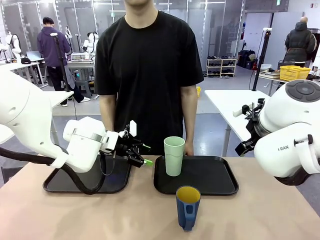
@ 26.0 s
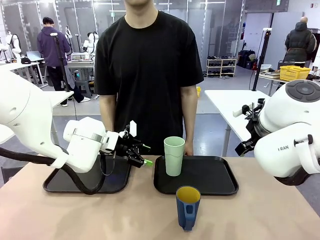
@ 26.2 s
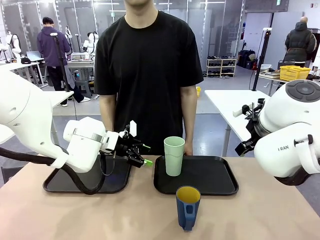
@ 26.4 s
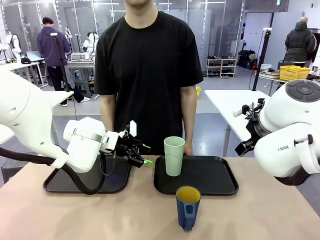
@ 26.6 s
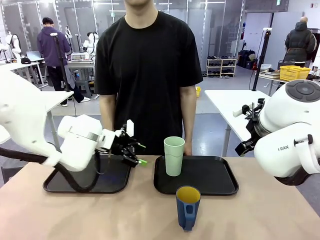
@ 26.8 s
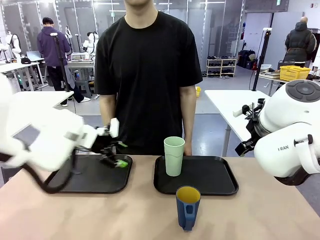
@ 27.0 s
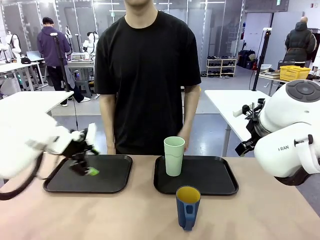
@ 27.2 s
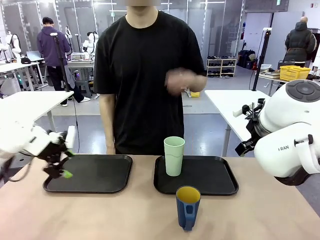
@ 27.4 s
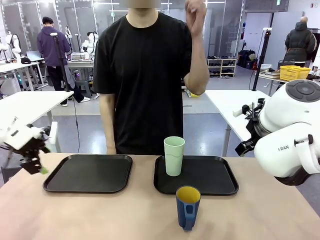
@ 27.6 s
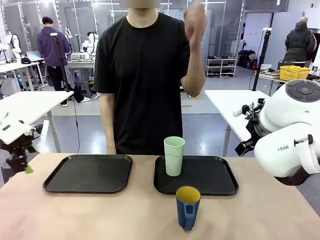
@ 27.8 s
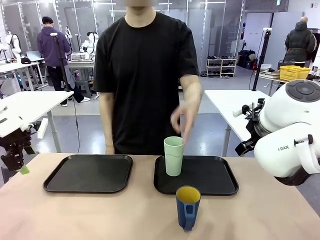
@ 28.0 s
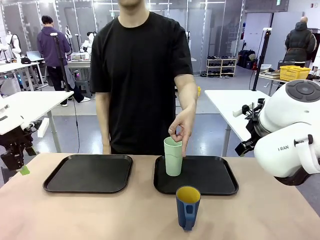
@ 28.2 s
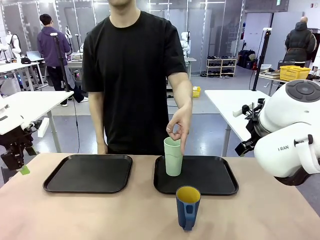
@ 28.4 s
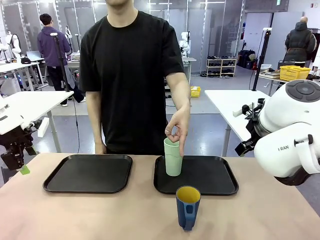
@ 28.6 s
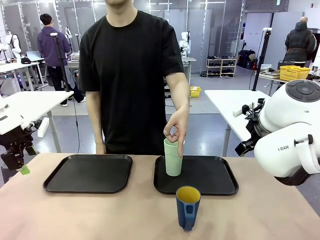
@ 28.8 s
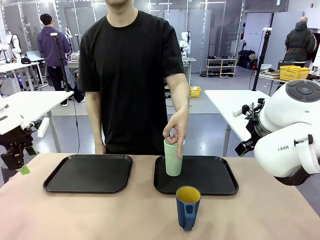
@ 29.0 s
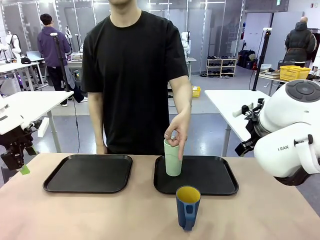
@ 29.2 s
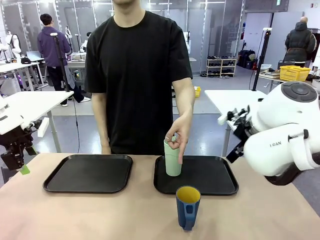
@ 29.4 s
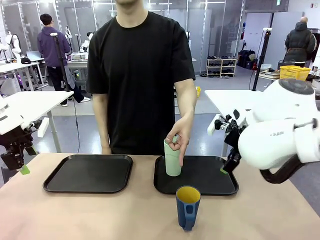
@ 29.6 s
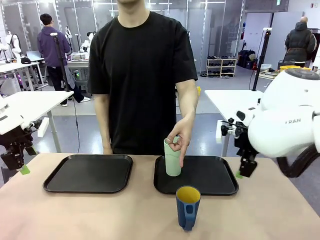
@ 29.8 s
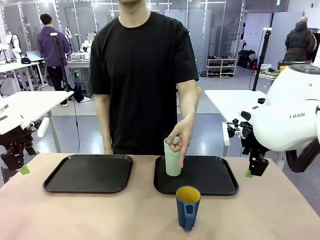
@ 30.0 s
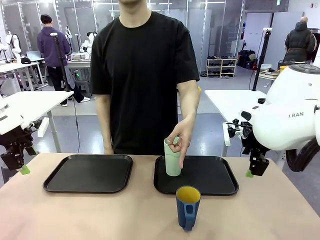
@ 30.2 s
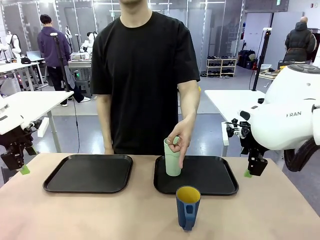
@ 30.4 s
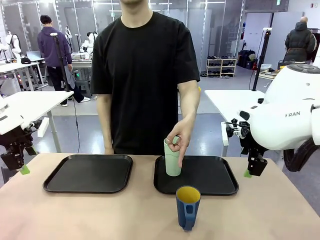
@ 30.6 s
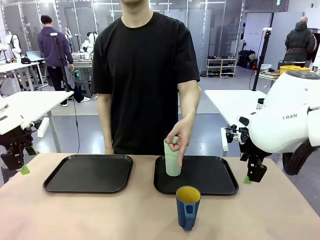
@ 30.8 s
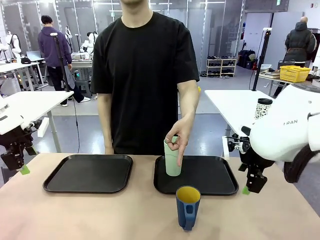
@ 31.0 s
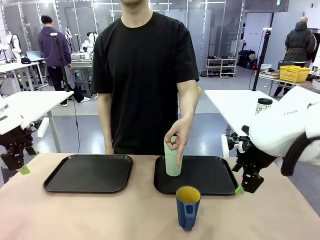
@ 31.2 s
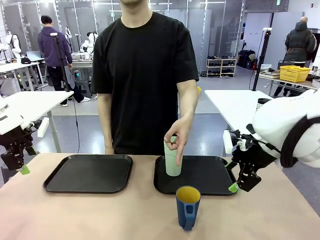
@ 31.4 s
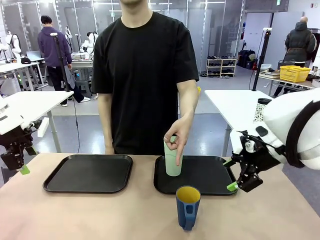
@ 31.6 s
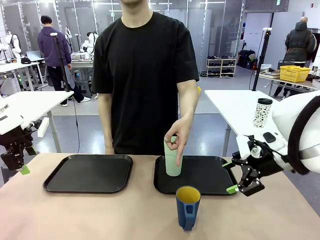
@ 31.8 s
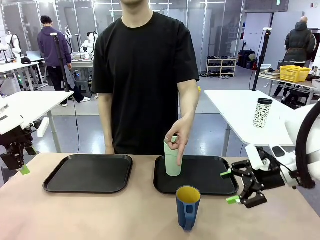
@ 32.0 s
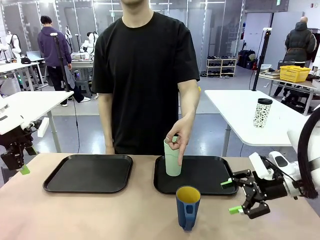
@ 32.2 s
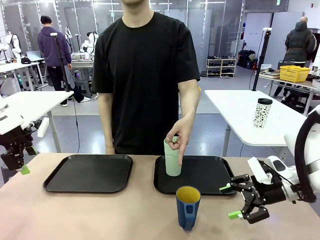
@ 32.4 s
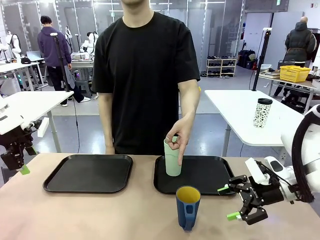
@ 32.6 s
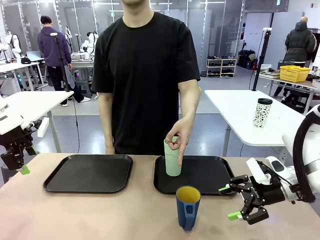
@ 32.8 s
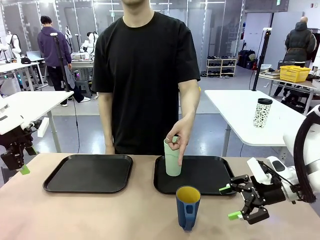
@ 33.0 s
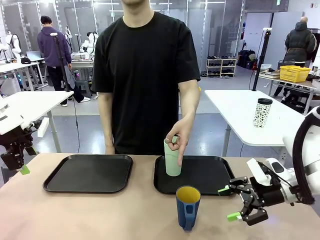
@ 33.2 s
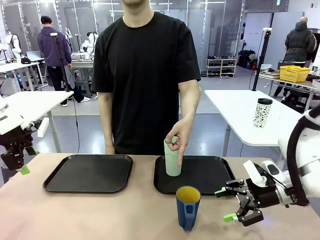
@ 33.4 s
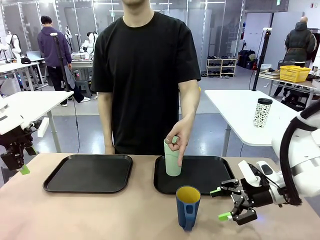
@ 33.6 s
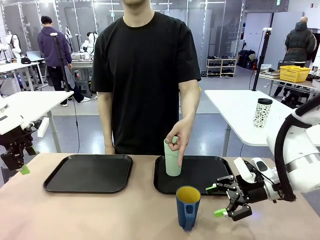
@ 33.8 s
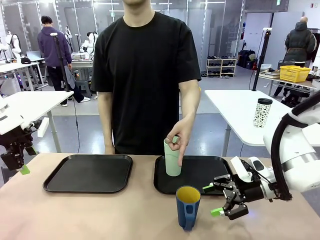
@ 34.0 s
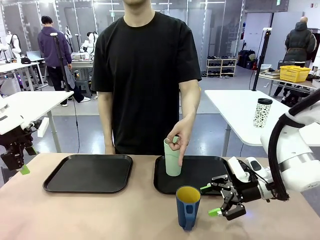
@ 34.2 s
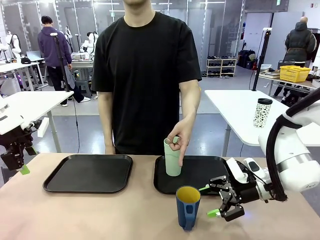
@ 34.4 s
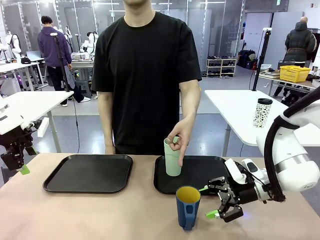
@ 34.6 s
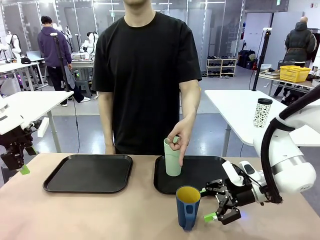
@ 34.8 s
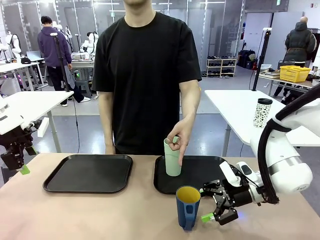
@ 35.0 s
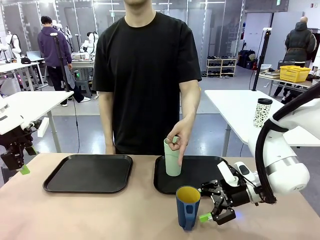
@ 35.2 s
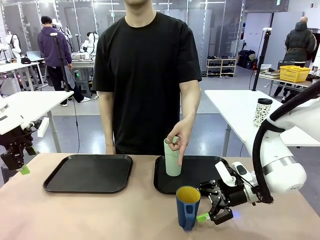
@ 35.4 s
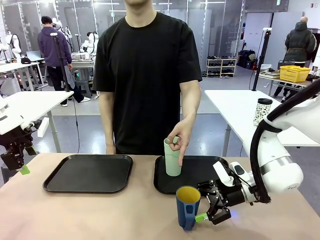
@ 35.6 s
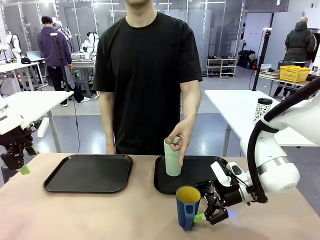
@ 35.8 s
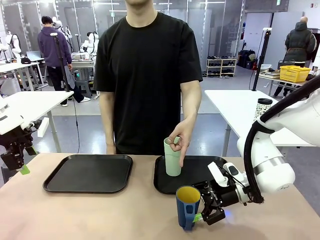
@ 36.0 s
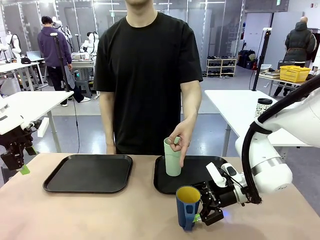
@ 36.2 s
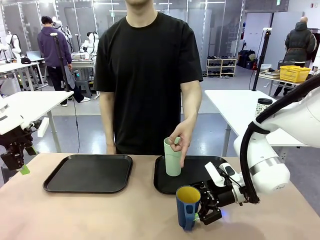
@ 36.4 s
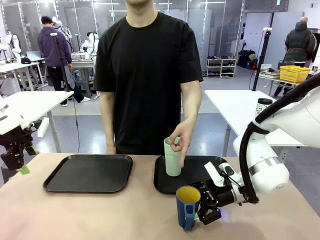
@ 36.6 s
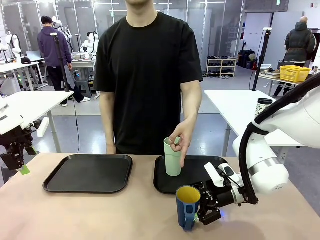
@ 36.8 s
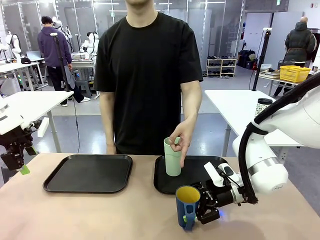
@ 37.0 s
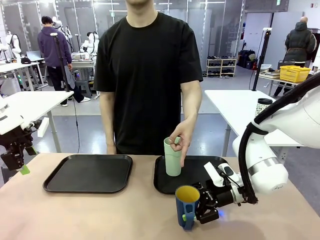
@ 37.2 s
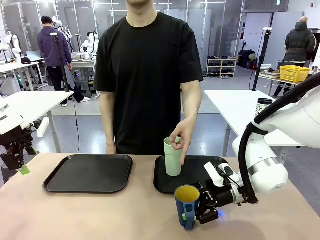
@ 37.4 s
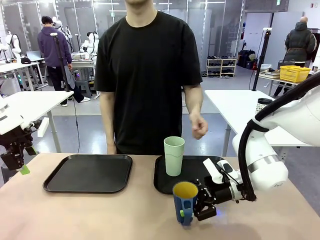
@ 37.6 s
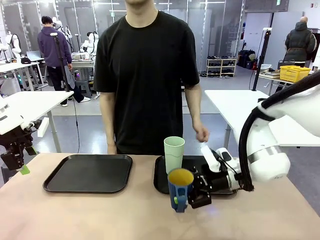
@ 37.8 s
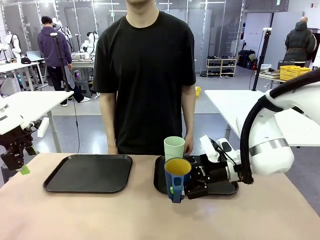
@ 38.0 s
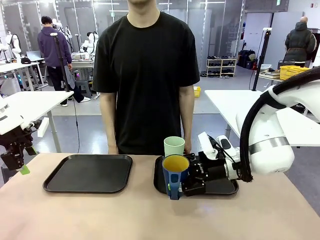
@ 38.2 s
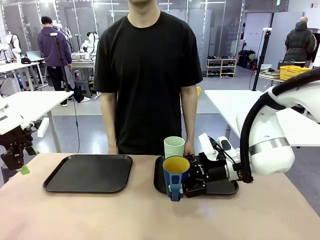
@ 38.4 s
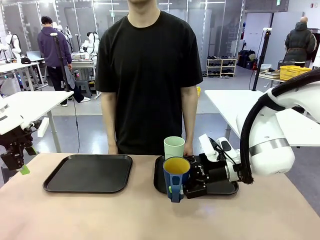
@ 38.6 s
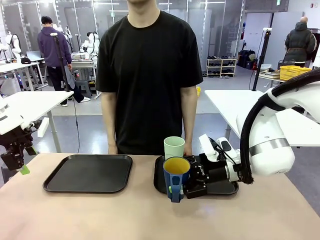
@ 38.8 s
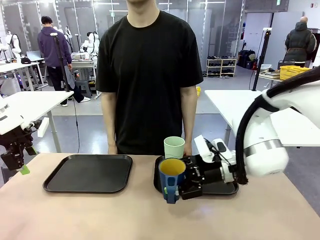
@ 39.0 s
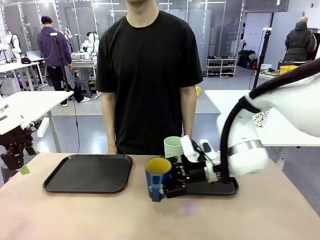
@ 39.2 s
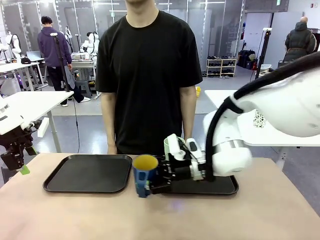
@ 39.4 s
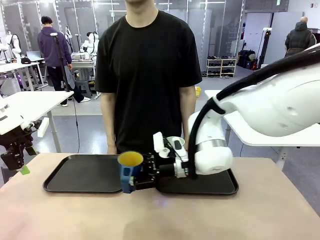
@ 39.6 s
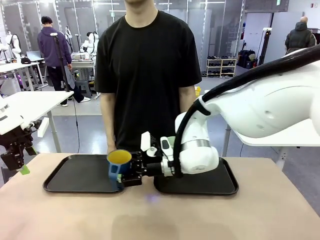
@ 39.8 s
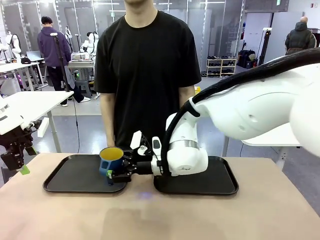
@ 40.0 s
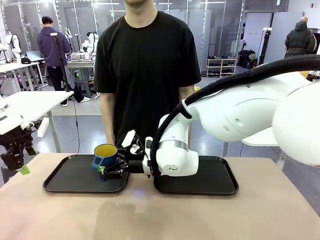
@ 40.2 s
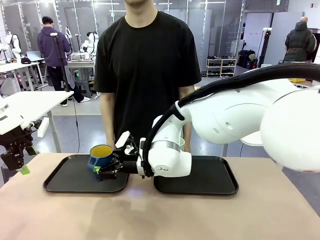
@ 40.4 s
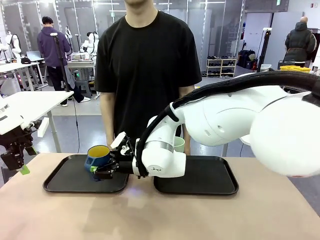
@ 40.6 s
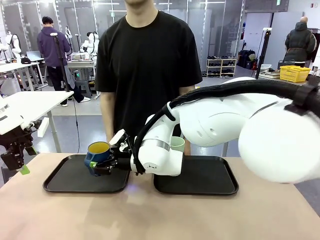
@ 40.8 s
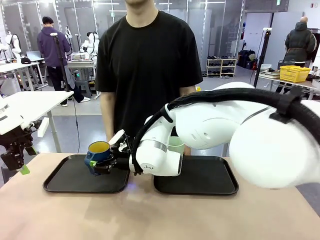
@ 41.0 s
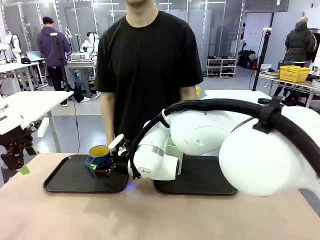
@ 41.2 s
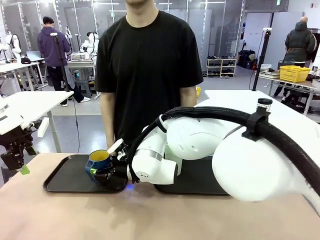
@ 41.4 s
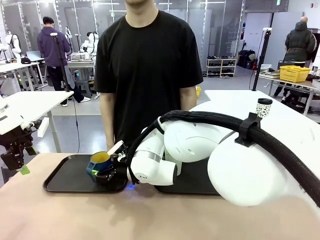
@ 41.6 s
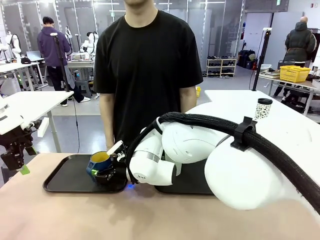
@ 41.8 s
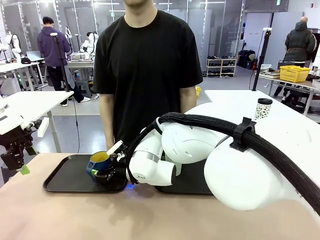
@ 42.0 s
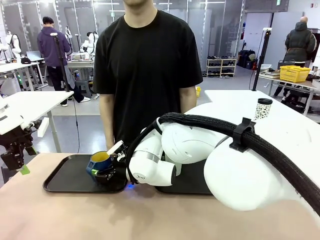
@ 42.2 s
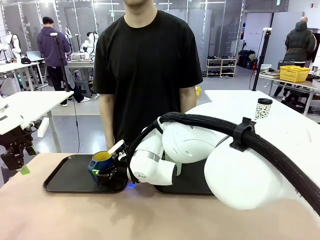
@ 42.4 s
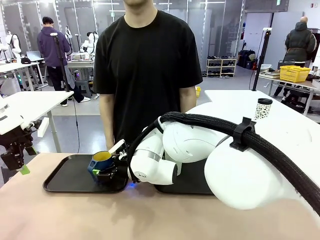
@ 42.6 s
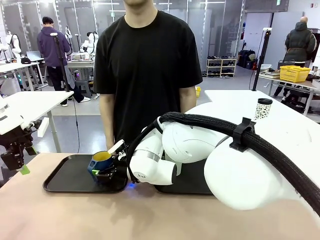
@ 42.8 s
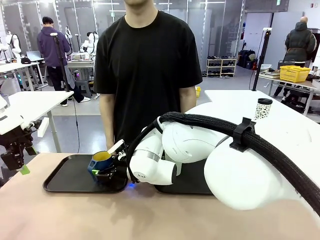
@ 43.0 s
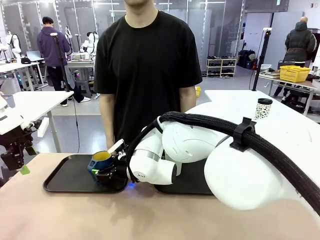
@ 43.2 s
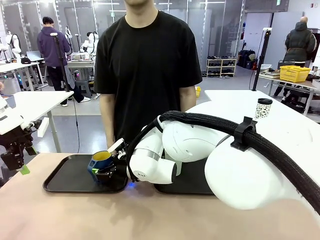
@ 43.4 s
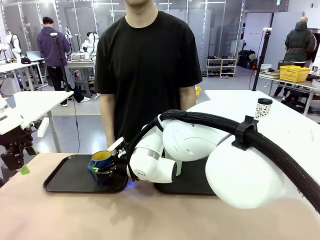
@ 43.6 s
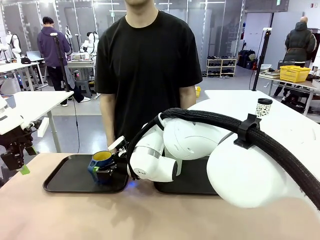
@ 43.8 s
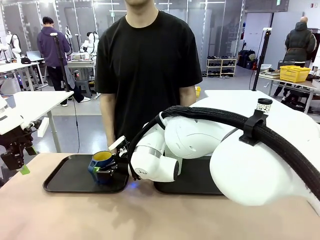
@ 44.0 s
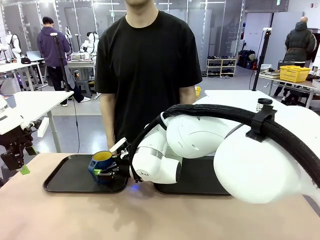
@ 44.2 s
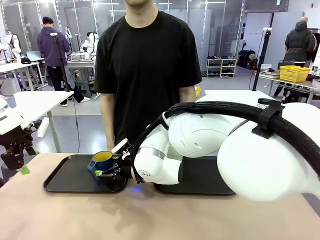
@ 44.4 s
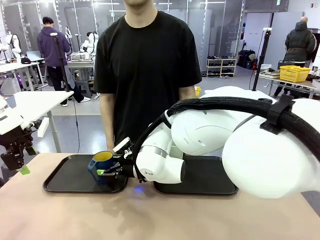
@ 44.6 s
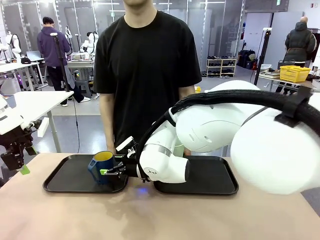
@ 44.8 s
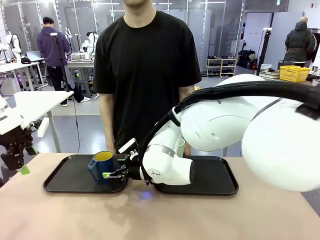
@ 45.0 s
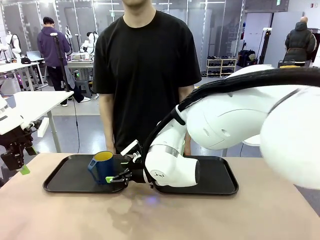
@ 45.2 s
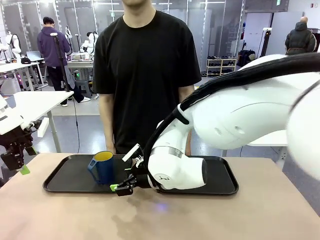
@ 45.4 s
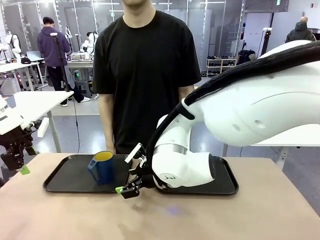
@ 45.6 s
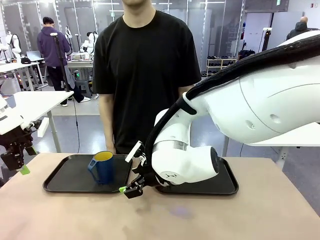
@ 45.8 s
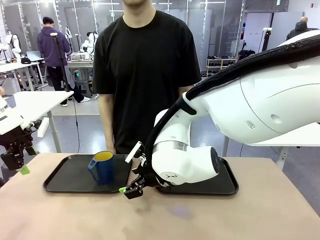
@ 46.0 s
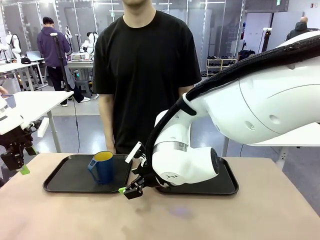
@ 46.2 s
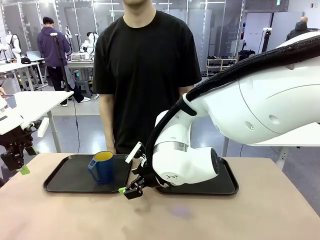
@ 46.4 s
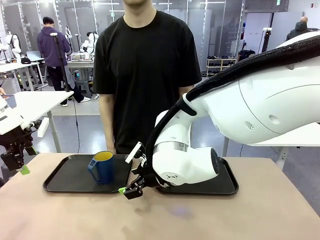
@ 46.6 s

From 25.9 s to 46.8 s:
Task: Sort and store the cups by type.
Robot: Pick up the Handle plastic cup and place it into the empty Flat Tray.
Person: Points to the cup with a handle.
